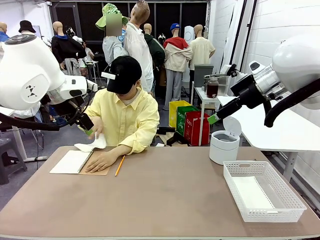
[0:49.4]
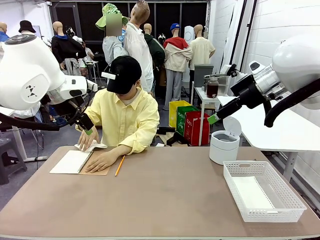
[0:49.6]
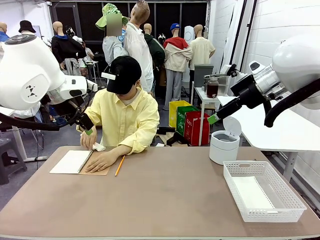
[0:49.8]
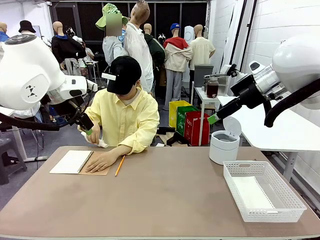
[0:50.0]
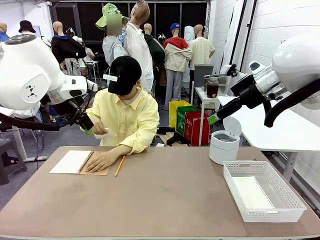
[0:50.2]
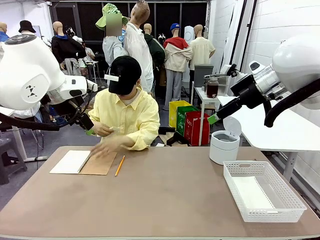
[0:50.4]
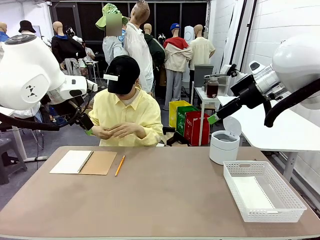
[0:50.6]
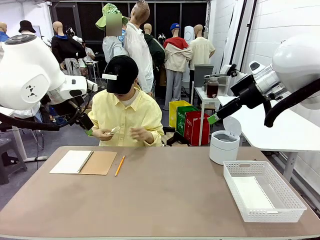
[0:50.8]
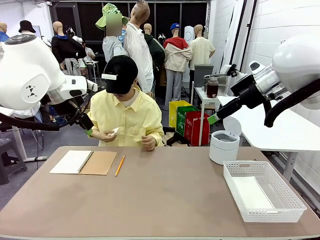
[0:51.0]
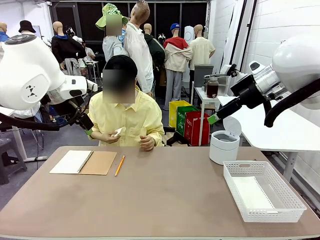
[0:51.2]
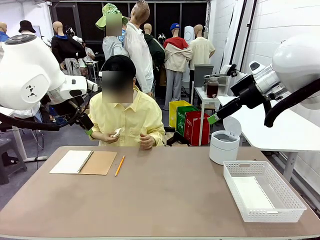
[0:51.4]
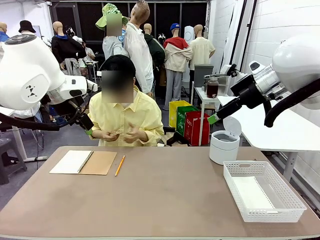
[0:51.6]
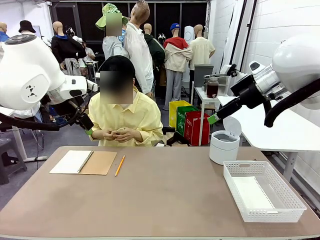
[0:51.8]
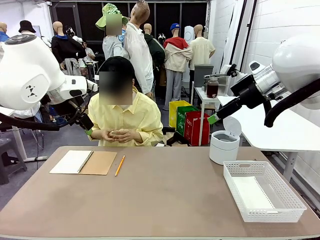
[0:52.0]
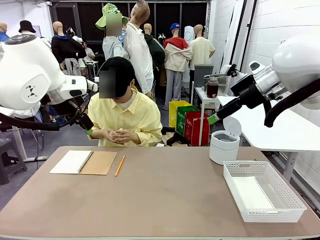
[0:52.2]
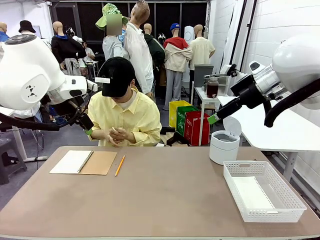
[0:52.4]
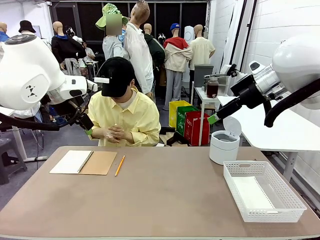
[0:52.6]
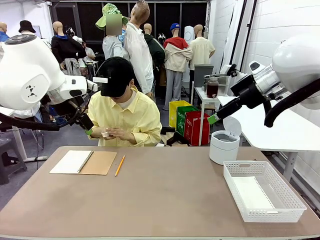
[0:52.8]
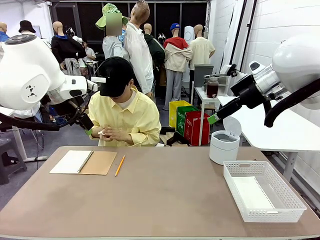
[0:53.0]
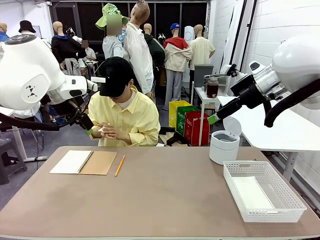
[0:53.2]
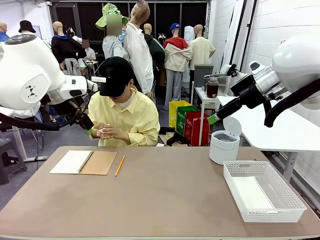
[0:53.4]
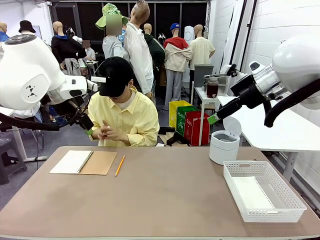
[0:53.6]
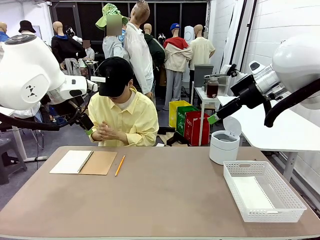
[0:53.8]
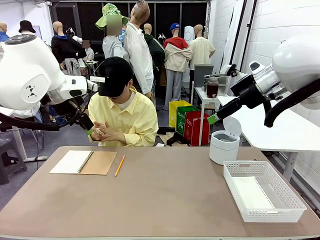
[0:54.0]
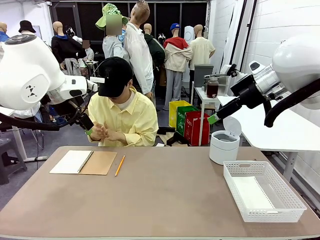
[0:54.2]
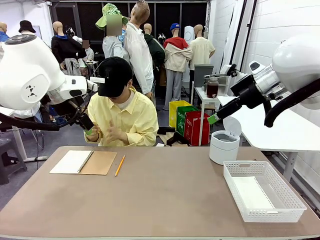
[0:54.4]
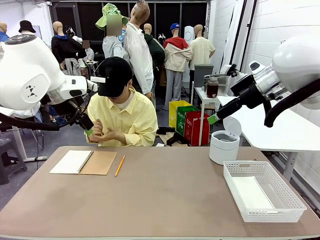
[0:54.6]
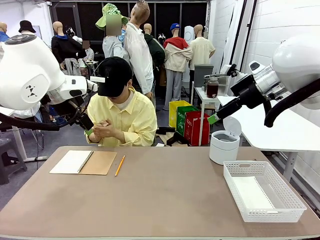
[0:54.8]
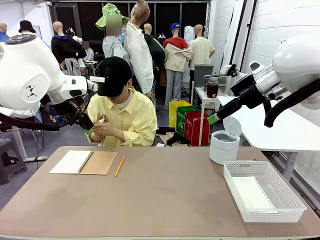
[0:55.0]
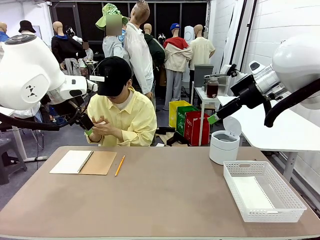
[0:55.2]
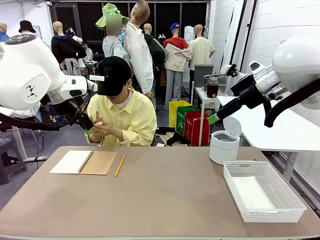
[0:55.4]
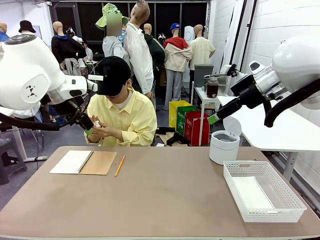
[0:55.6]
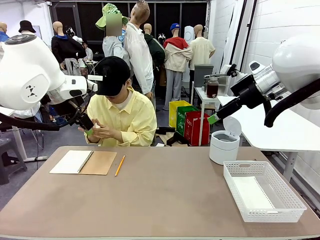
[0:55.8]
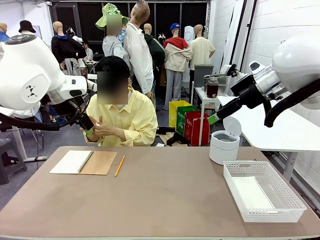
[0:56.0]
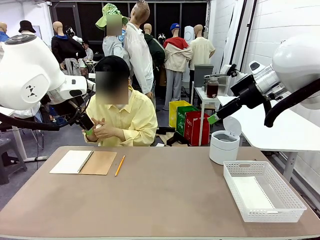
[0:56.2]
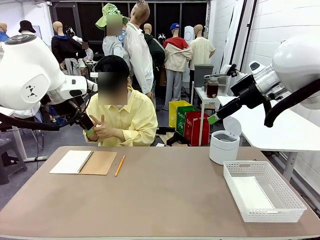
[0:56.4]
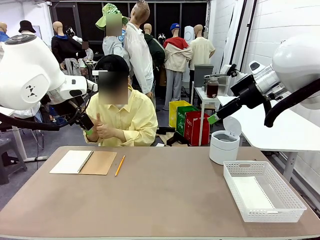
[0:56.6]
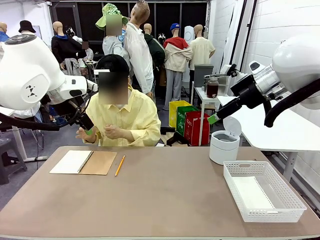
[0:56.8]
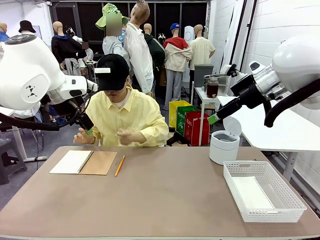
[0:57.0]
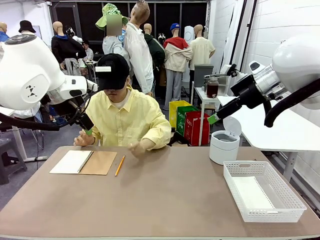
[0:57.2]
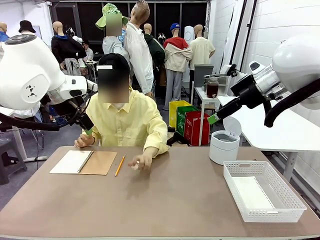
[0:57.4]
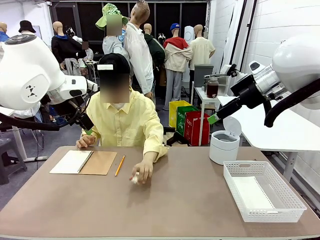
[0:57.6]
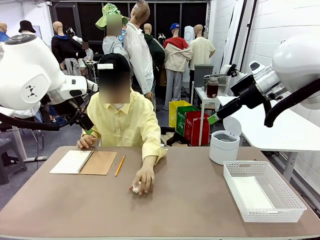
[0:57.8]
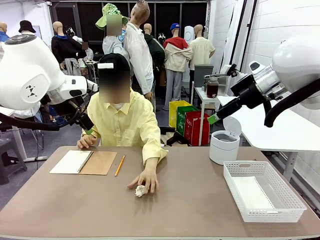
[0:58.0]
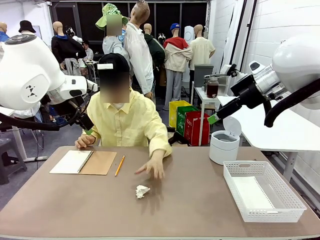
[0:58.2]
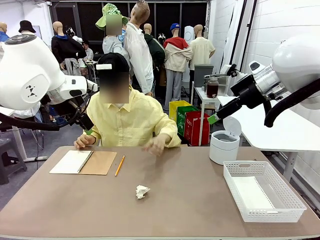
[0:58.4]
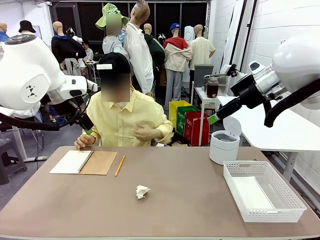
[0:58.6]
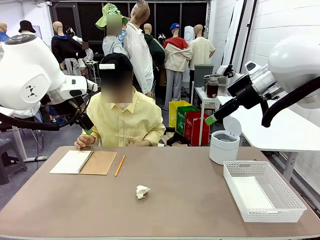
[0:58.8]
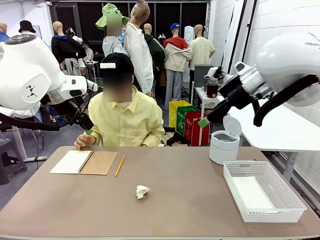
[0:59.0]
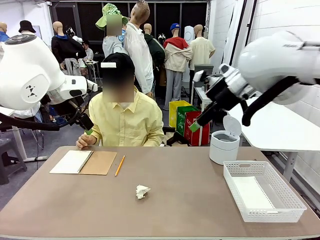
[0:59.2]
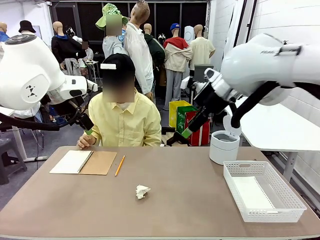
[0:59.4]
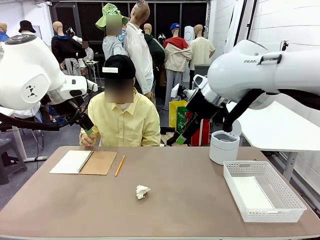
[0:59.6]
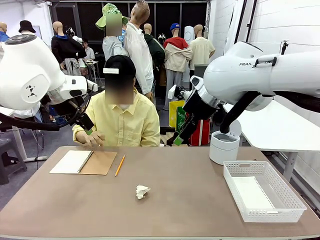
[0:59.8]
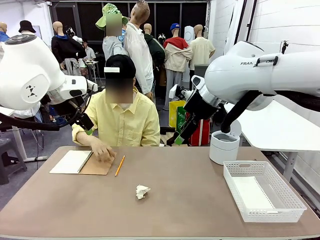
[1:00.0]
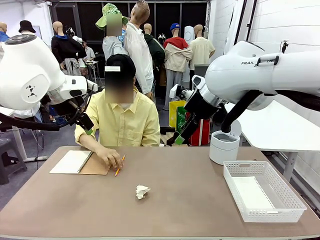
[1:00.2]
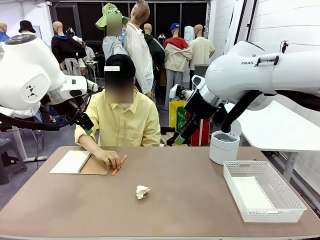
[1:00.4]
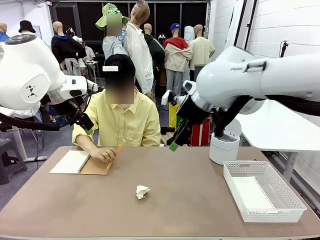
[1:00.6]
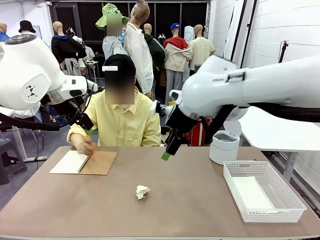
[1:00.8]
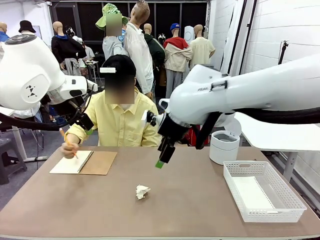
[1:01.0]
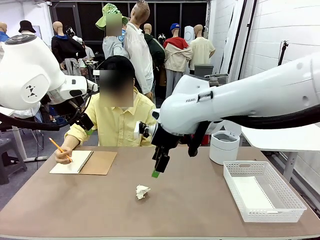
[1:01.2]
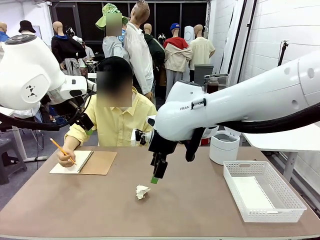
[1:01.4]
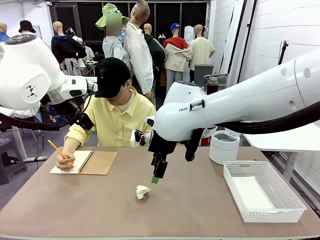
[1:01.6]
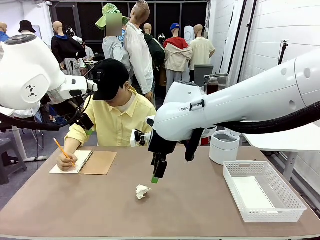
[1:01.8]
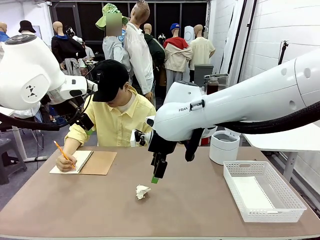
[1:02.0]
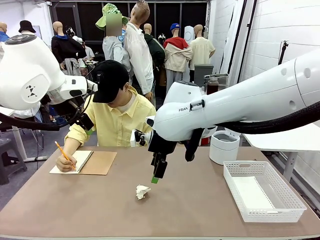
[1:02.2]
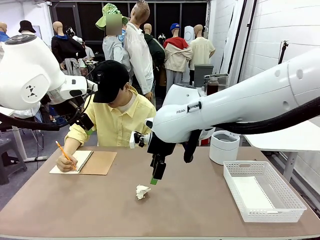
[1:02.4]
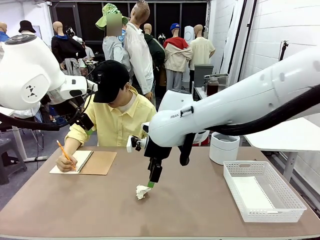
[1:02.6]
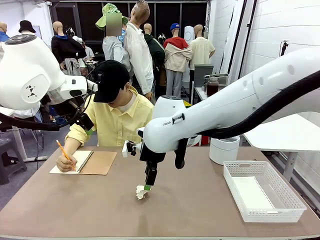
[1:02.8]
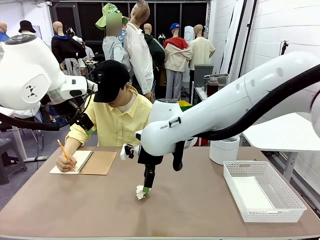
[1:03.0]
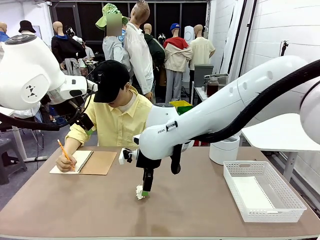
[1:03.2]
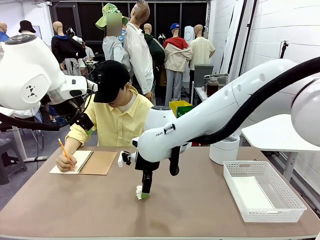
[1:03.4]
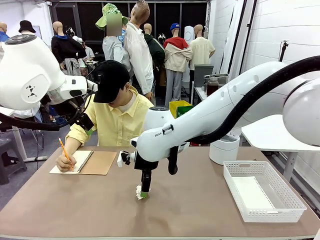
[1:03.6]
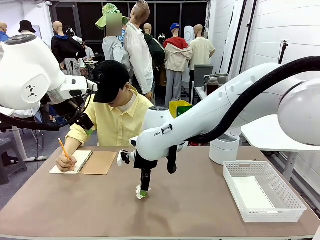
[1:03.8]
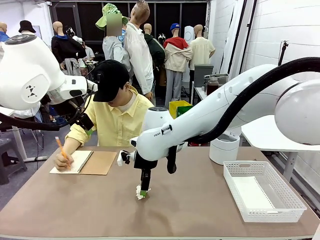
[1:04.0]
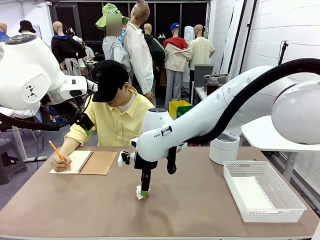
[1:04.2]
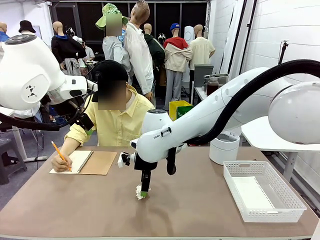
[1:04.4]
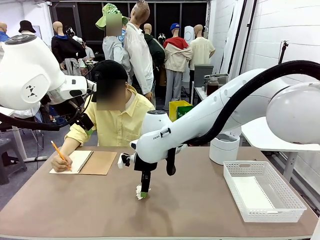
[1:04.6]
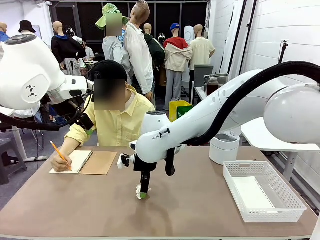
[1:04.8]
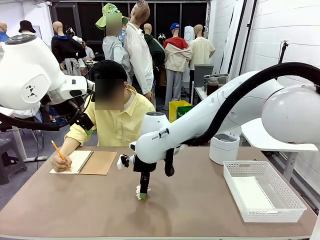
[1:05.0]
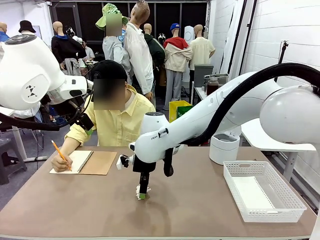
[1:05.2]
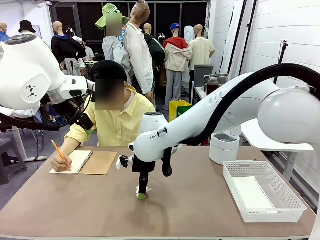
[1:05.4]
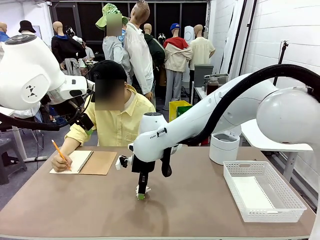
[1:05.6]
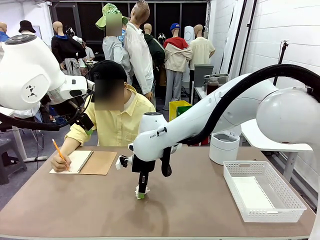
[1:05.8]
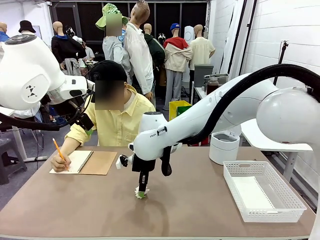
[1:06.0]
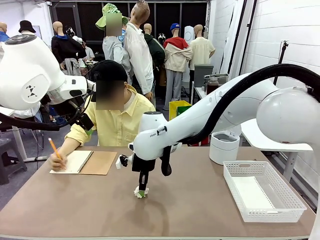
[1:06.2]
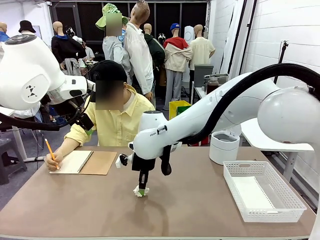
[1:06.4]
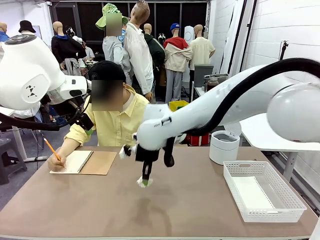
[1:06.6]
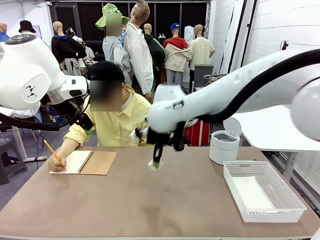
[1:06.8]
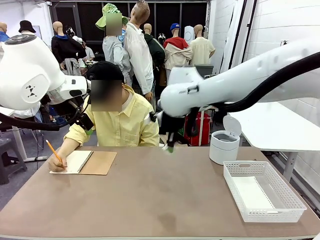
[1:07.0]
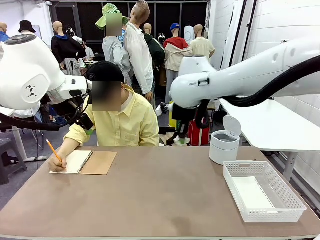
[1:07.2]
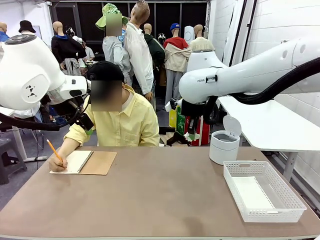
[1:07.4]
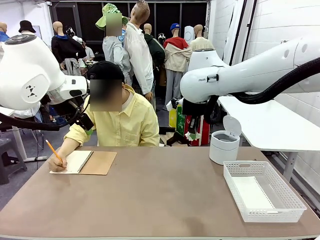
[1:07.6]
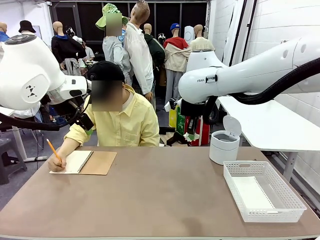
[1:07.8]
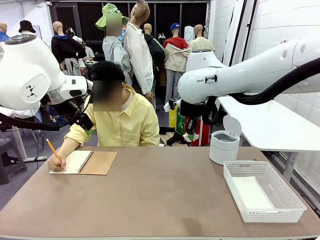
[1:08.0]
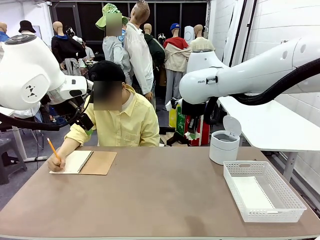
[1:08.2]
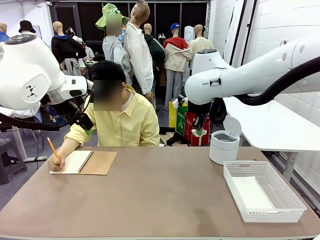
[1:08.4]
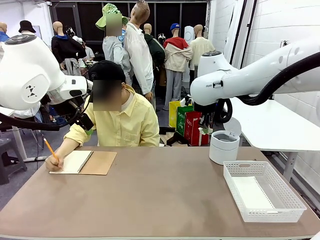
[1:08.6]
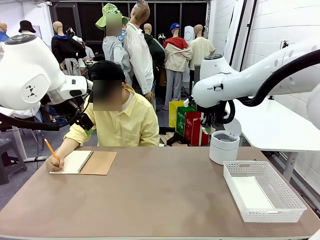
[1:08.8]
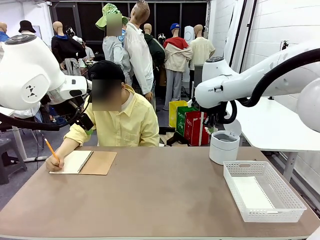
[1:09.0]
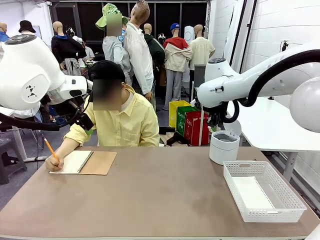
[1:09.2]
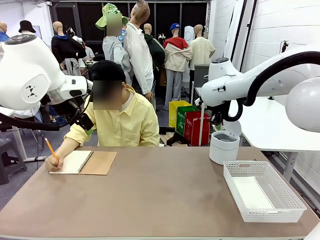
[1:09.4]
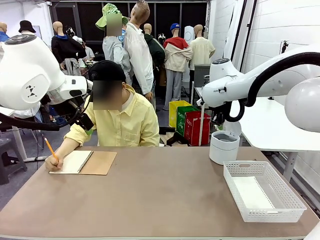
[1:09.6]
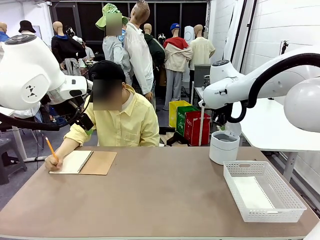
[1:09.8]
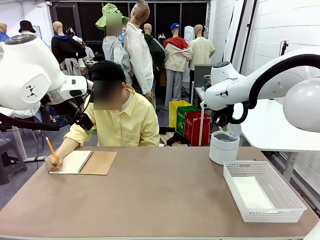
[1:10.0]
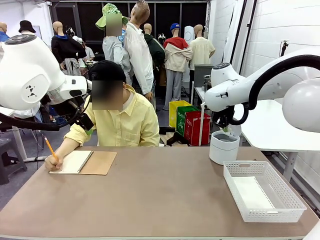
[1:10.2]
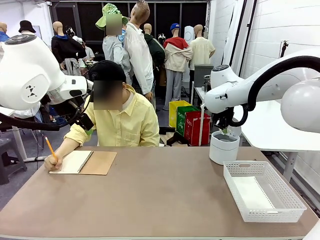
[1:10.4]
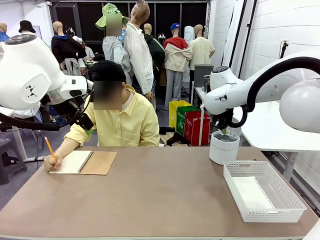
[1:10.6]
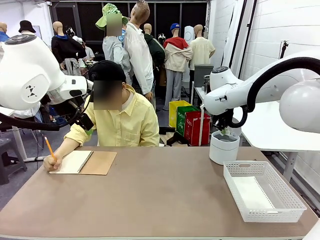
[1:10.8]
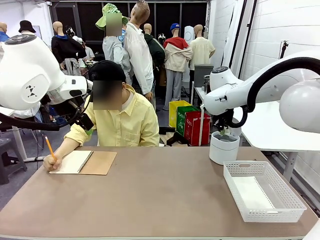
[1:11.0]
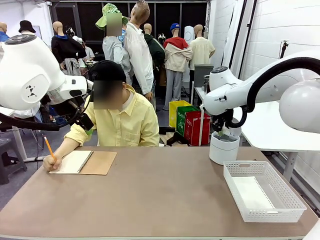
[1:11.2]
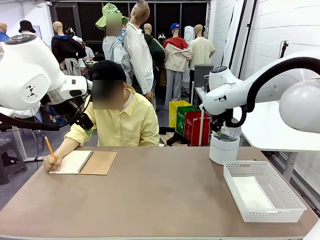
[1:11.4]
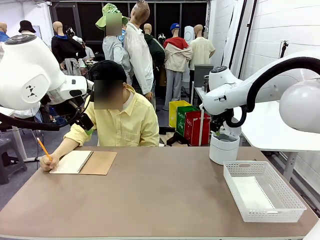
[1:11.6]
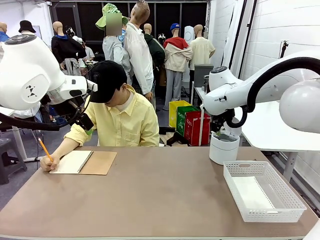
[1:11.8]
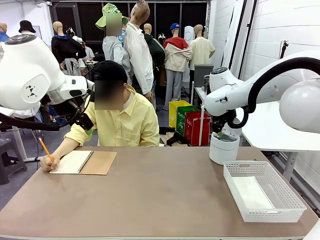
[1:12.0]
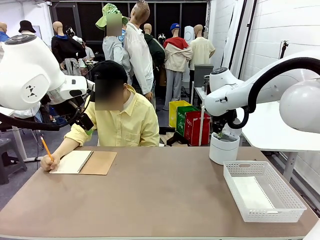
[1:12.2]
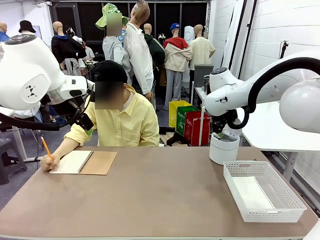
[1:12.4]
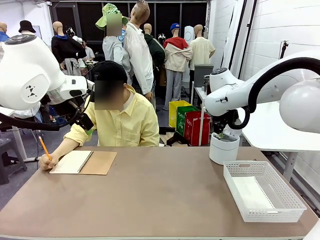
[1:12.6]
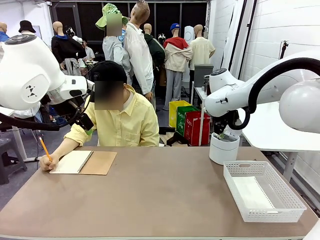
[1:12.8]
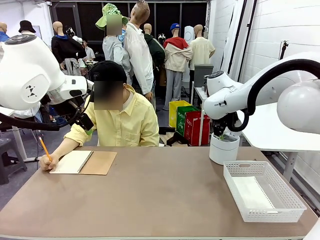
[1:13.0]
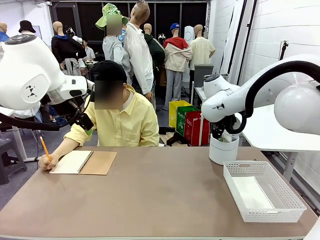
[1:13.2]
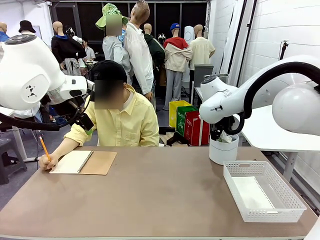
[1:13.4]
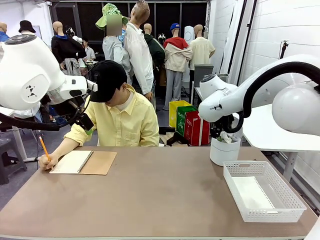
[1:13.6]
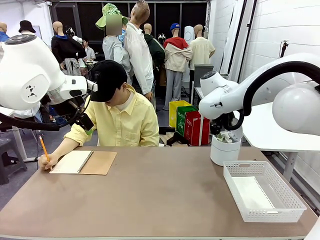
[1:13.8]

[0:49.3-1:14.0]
Task: Sort the paper based on its condition.
Robot: If a person hands you a paper, place it in the Organizing basket , and if it's crumpled, put it in the Trash can.
Person: Hand the torn page to the robot or crumple it and throw it to the center of the table. Tear out a page from the spiral notebook.
